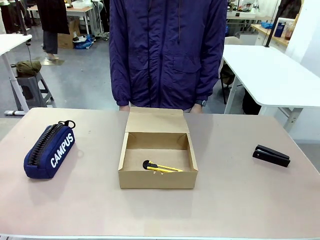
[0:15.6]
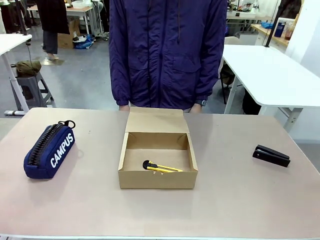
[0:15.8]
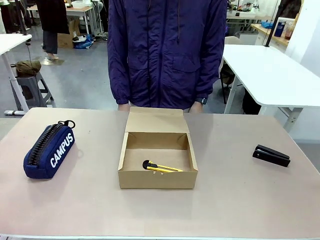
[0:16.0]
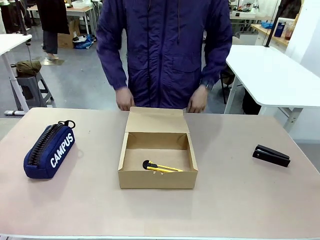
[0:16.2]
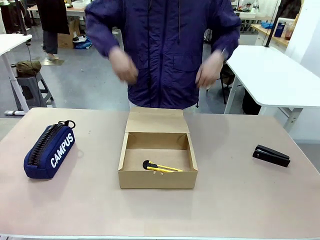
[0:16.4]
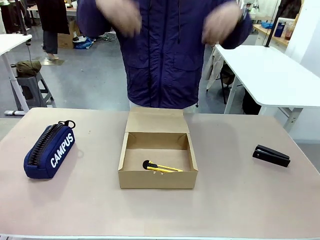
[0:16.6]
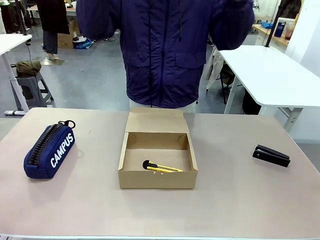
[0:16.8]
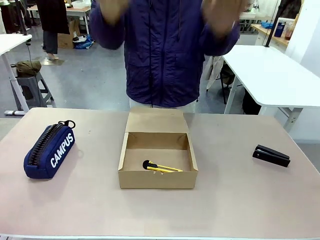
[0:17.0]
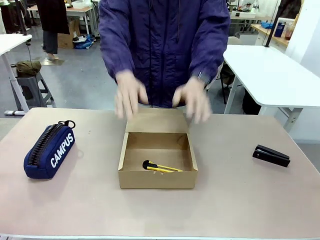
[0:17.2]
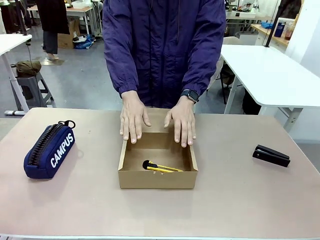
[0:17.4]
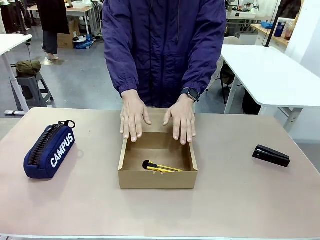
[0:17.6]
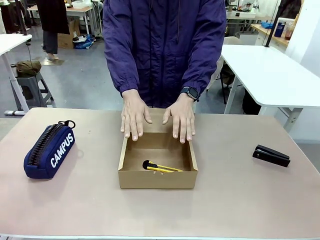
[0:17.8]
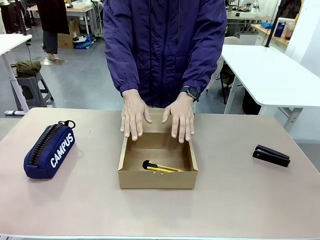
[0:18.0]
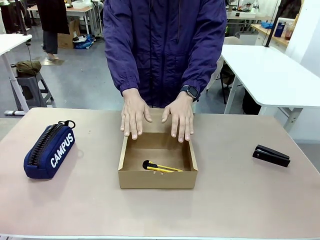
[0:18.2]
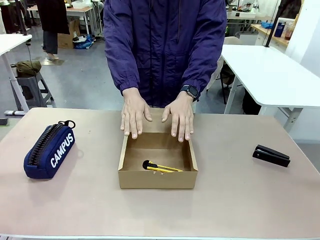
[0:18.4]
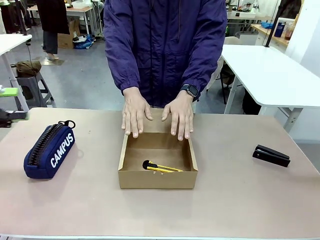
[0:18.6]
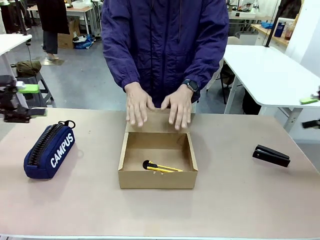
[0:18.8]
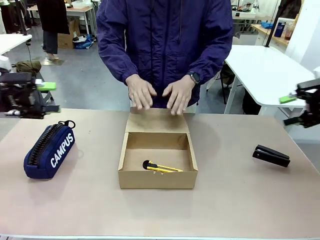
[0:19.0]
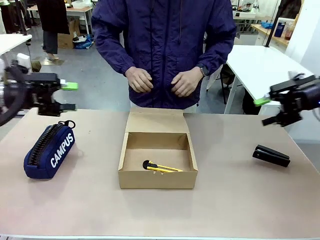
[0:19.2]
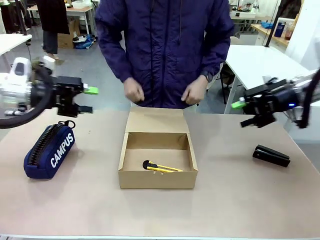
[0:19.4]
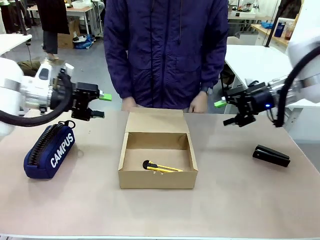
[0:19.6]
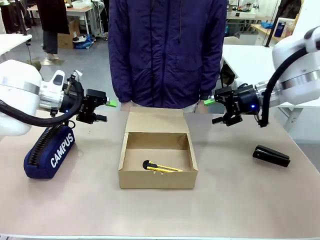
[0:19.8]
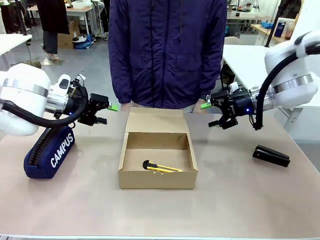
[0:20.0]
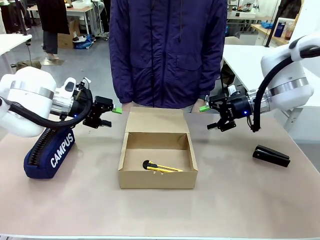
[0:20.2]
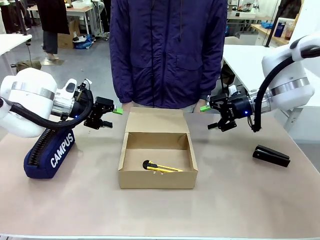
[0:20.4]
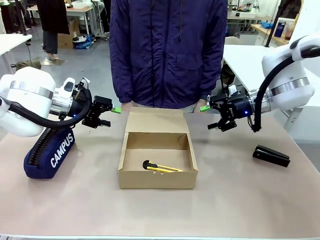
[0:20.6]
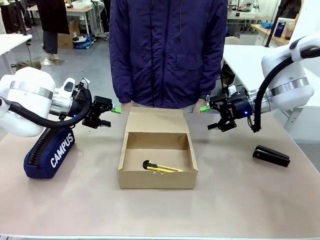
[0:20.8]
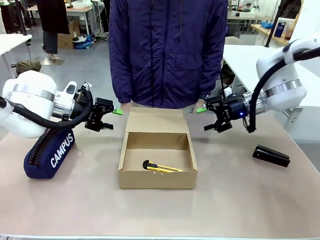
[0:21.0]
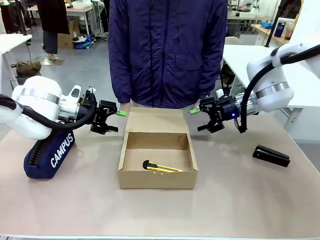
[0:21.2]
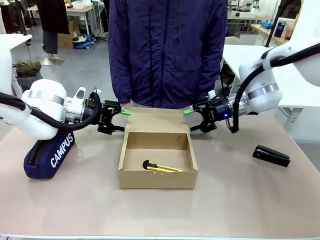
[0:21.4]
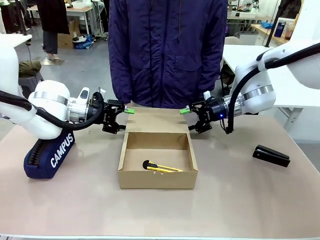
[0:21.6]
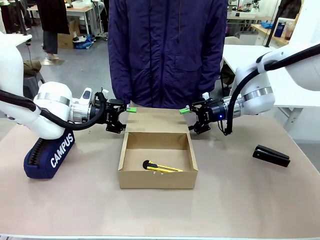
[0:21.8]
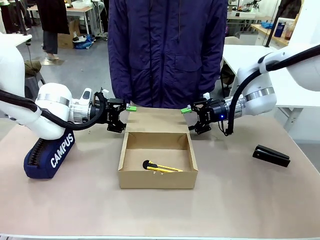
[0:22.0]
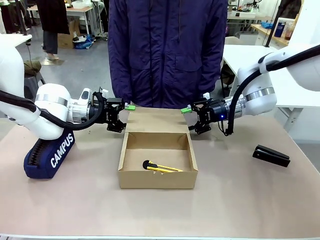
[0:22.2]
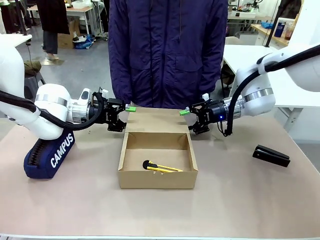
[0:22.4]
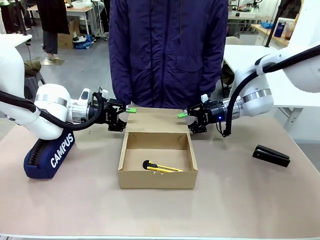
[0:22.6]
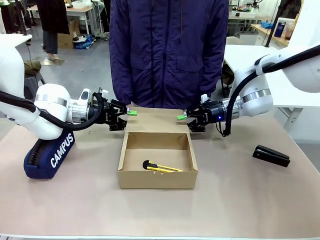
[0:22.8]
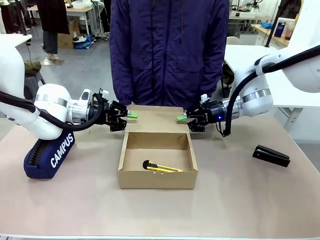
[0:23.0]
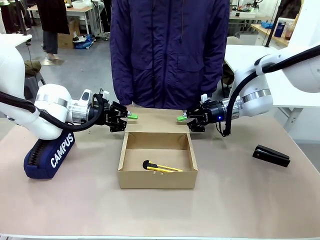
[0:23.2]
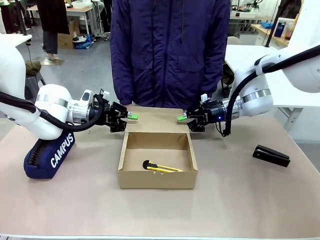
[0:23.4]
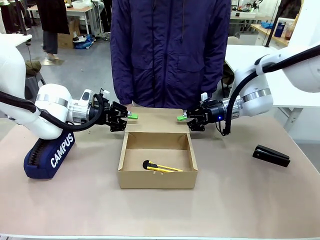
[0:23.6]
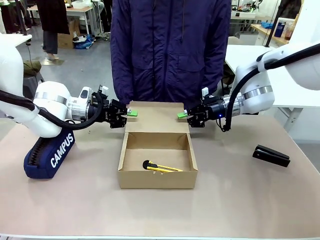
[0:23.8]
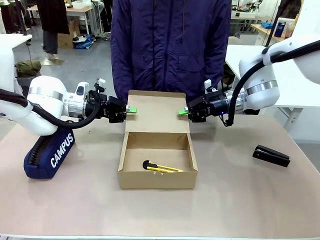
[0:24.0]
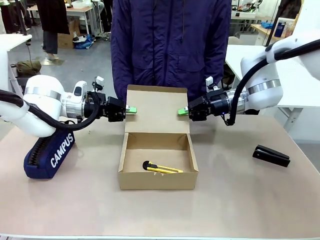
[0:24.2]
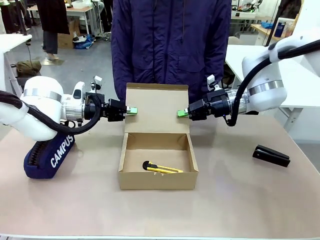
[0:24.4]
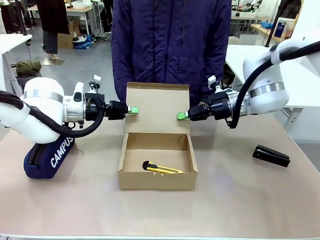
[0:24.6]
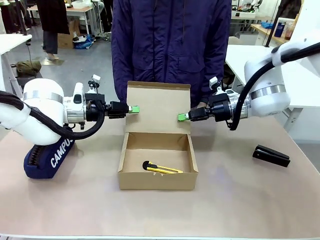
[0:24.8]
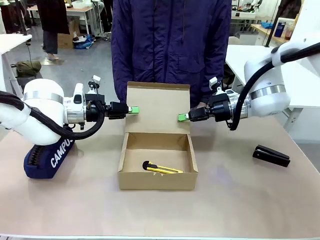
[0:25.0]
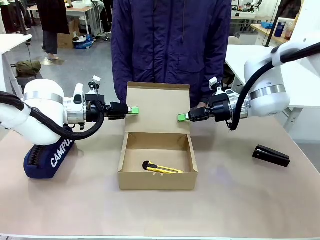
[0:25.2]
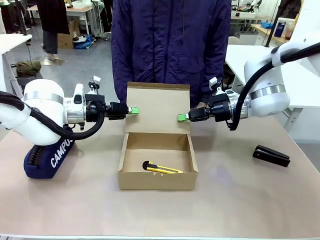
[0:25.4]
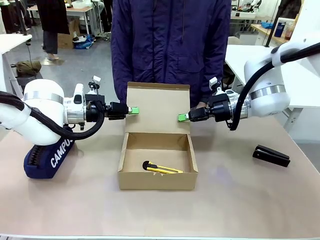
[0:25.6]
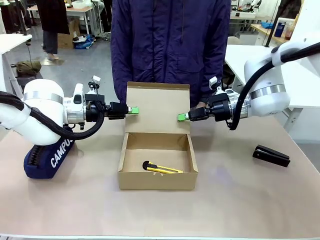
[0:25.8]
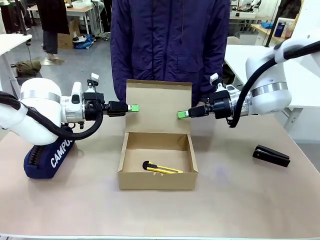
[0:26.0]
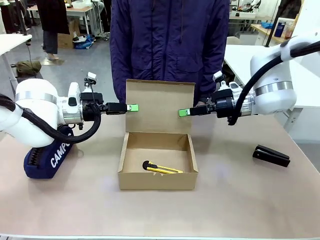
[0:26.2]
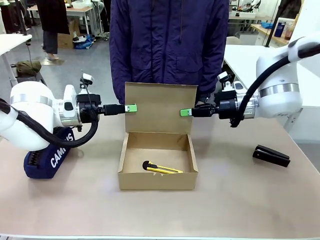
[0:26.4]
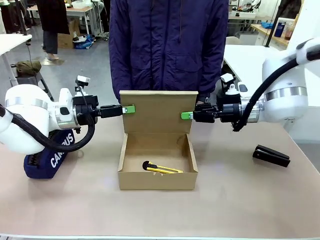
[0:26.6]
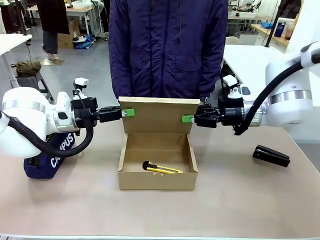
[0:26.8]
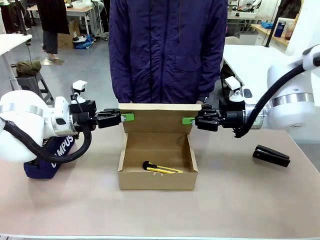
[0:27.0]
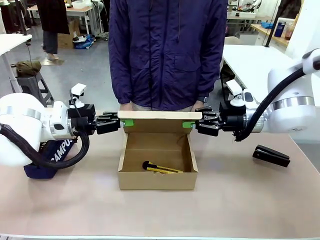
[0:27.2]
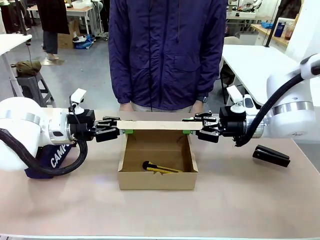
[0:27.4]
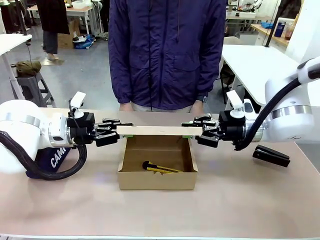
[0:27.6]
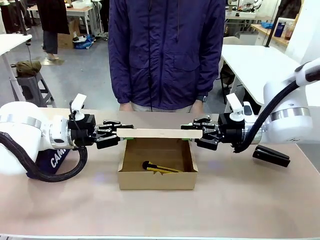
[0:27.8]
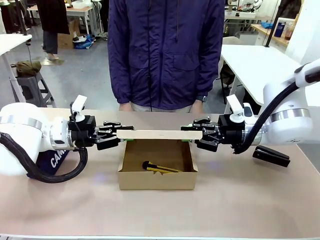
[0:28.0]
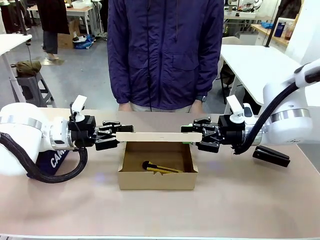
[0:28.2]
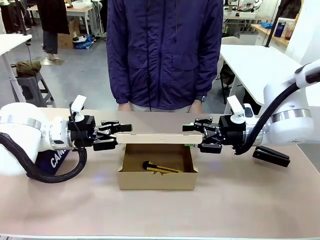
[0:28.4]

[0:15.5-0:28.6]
Task: Pack the item into the box.
Robot: Close the Mailer Box.
Person: Lower both hands vertically with palms facing downward, as if pressing something closed.

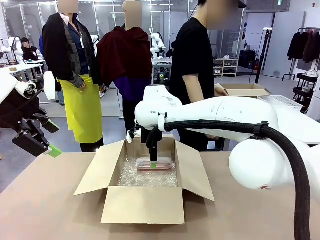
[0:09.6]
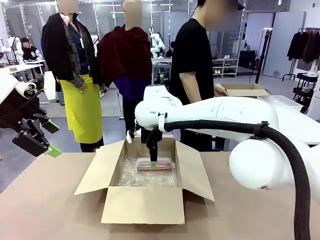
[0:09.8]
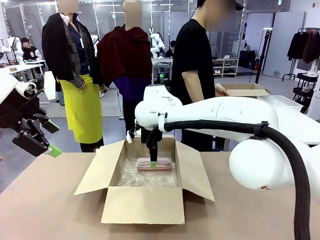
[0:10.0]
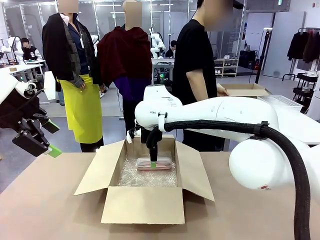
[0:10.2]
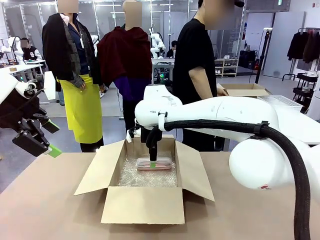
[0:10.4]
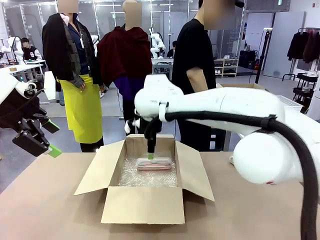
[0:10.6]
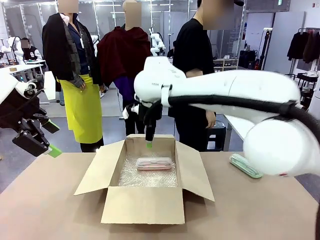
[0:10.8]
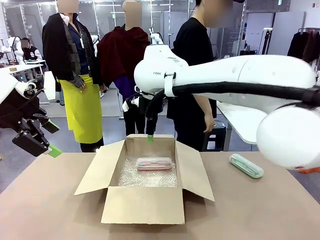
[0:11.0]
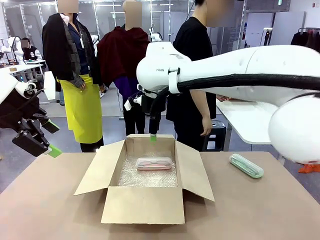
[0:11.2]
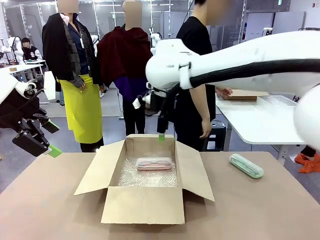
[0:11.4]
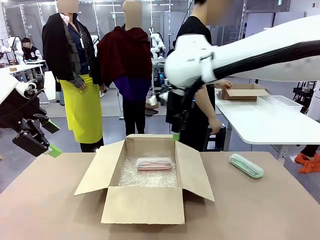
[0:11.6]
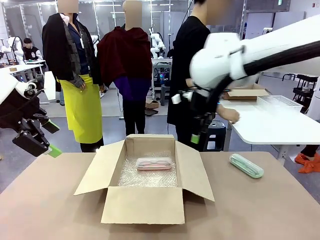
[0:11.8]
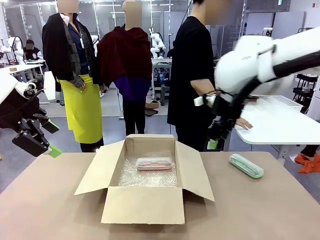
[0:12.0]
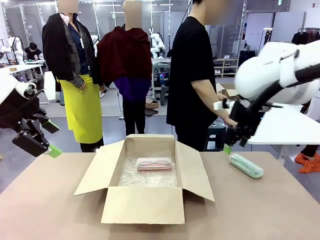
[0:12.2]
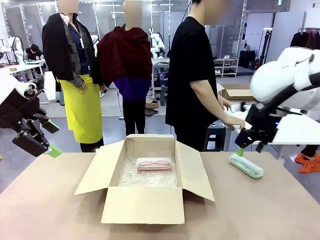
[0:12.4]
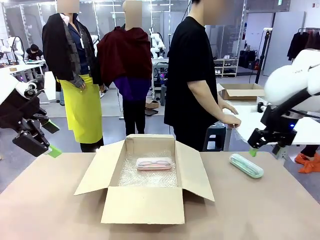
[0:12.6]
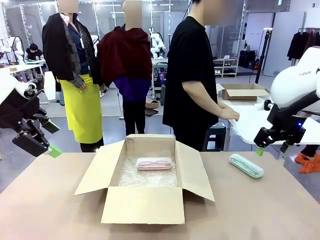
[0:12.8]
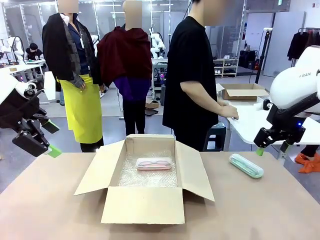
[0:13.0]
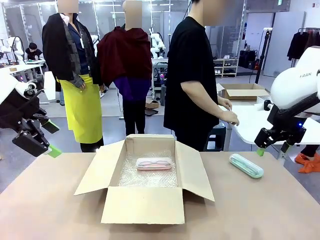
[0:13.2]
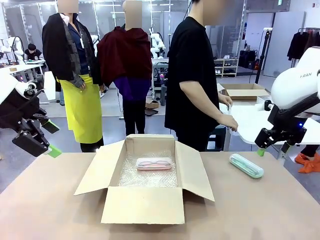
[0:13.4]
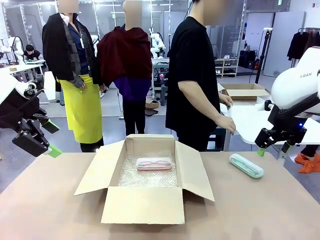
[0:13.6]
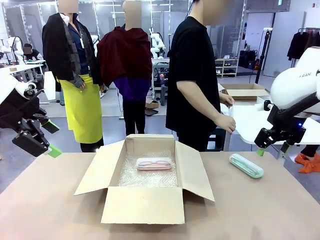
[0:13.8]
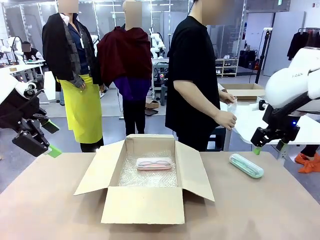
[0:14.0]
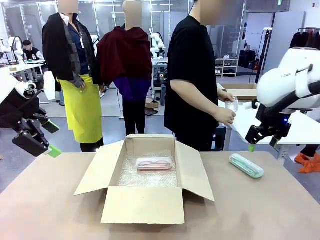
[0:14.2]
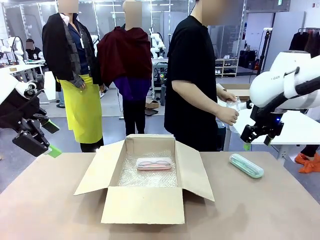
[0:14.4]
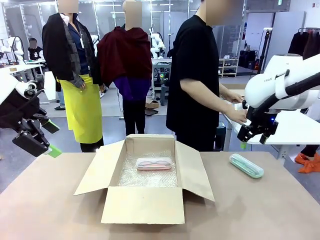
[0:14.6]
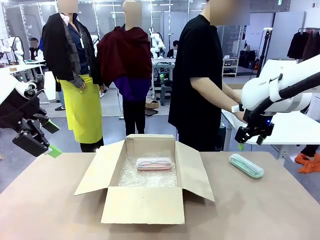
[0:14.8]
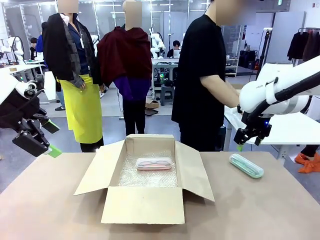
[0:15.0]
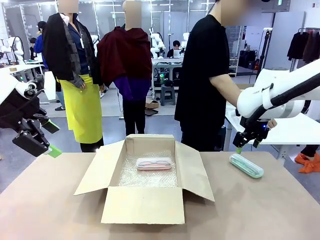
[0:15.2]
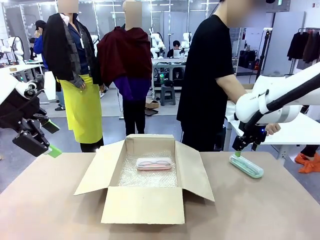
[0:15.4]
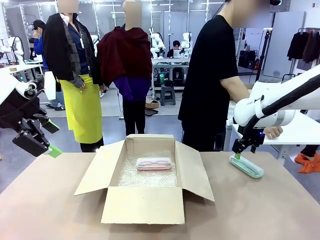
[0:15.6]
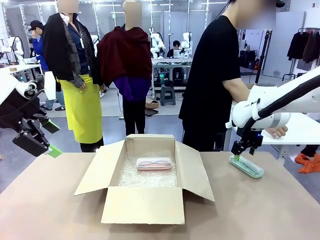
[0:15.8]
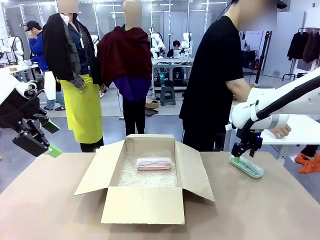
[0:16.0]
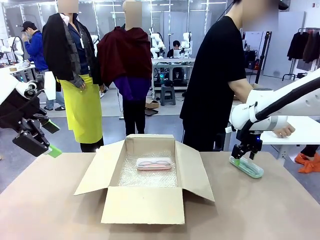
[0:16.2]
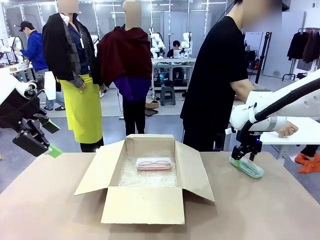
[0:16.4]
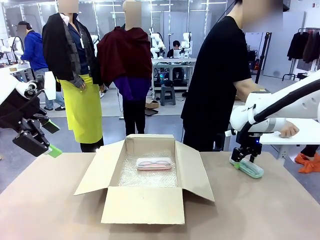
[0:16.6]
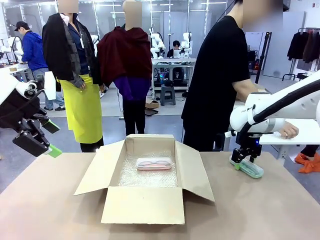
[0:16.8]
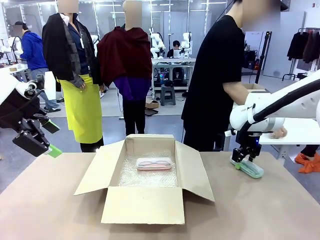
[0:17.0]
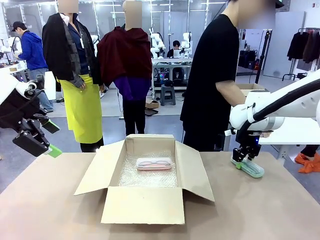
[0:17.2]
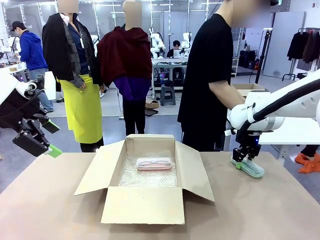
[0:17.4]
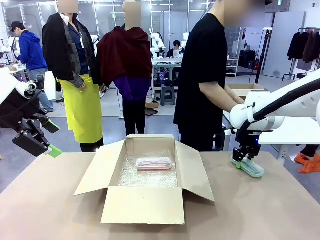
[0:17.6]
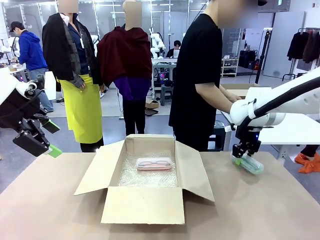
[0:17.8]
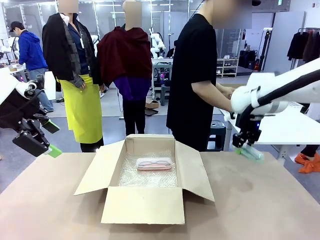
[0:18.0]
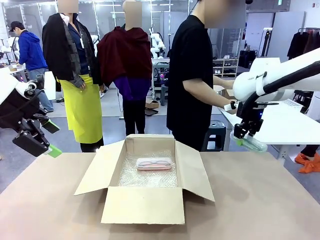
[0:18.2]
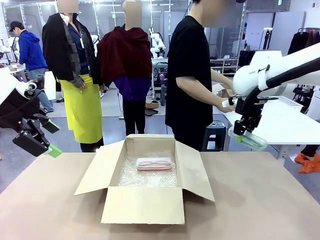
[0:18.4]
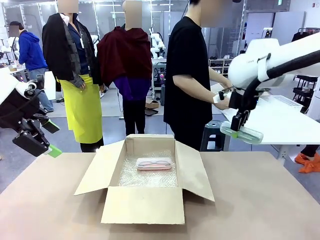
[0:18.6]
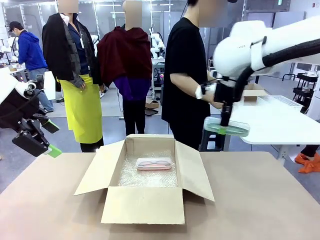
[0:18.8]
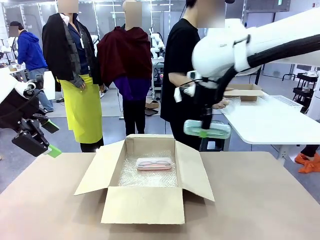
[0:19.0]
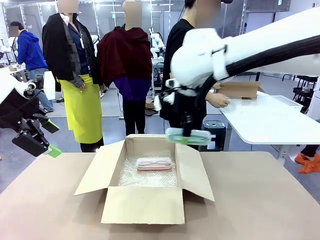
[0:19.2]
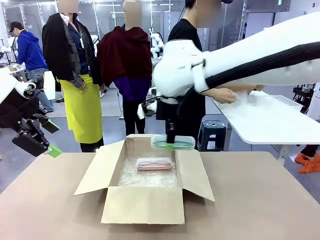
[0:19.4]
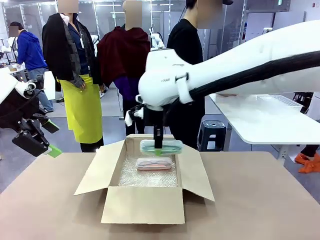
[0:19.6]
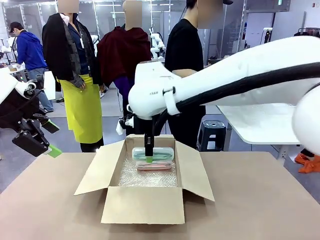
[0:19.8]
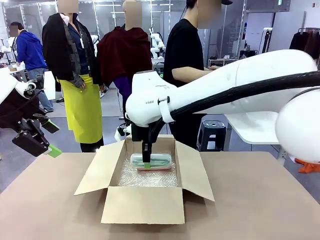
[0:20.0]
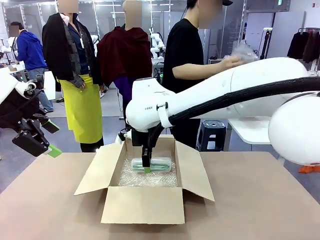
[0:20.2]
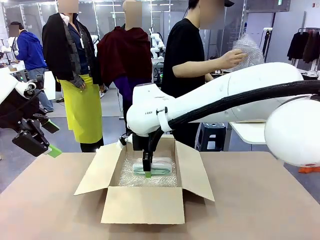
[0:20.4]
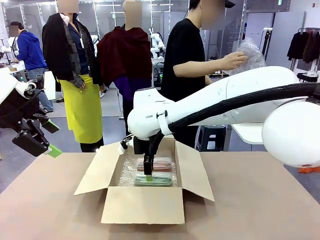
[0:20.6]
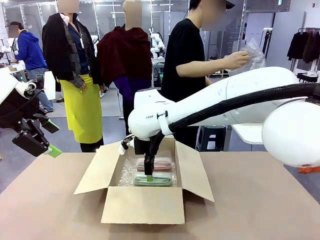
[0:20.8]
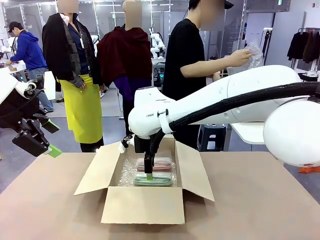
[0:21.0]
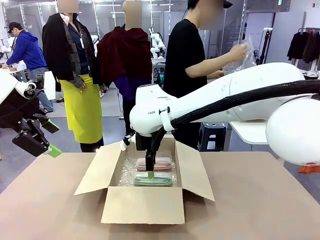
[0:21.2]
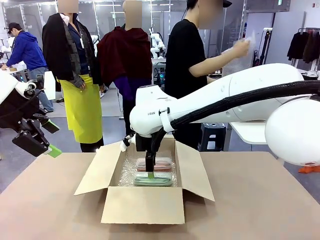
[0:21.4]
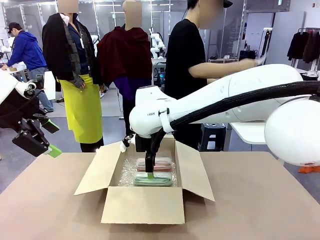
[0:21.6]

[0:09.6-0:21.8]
Task: Pack the glasses set securely to prepare it for shipping.
Robot: Put the Glasses case from the right side of the table into the Package Box.
